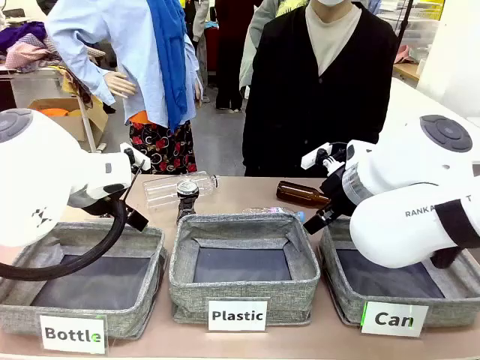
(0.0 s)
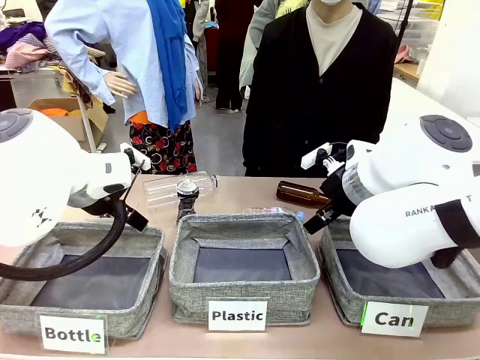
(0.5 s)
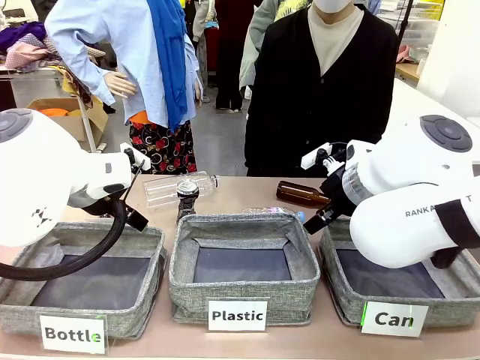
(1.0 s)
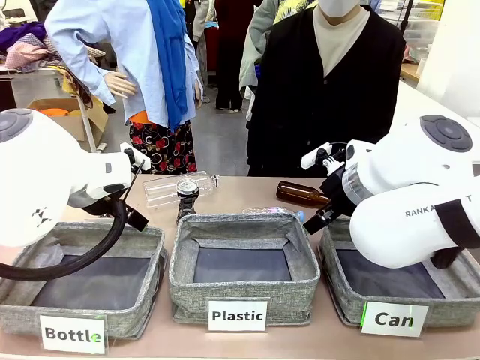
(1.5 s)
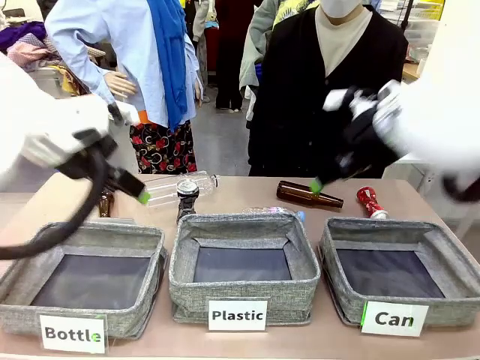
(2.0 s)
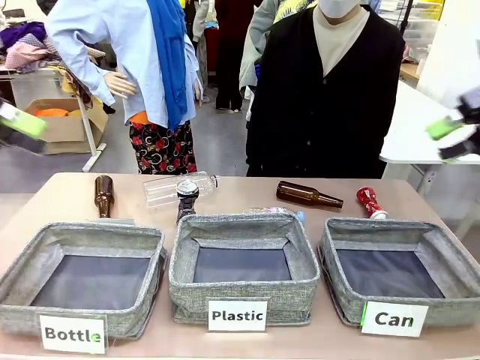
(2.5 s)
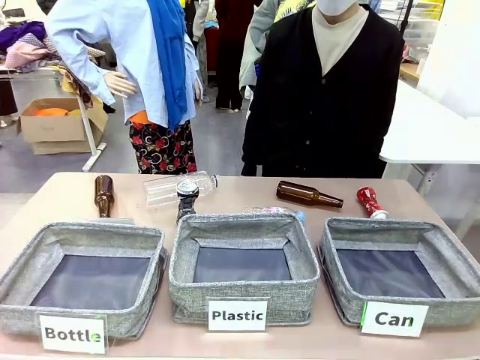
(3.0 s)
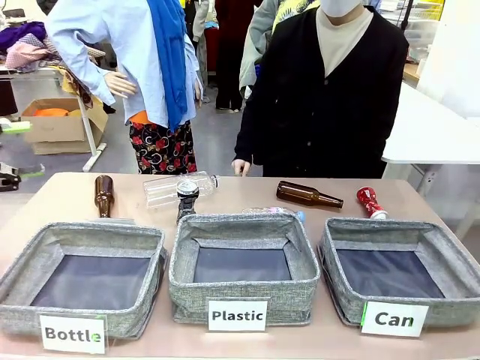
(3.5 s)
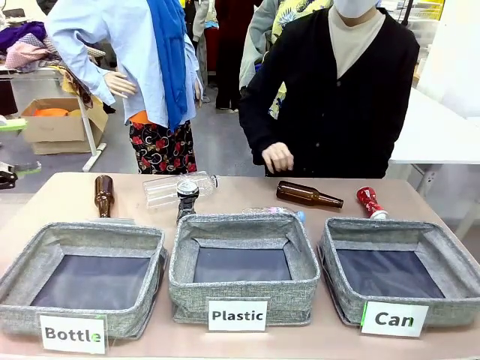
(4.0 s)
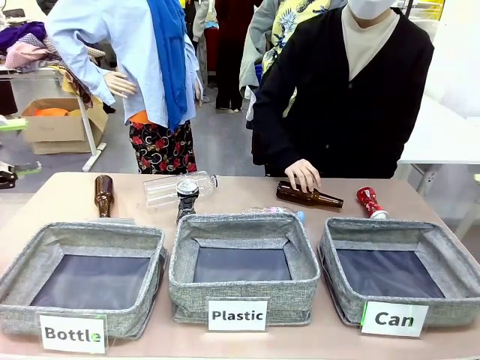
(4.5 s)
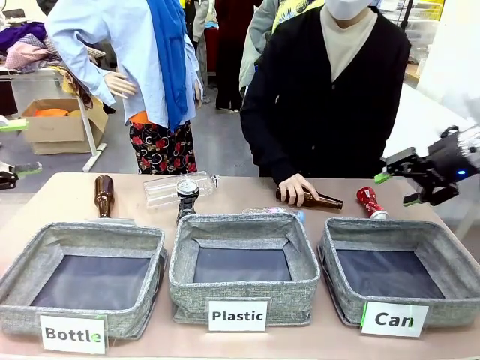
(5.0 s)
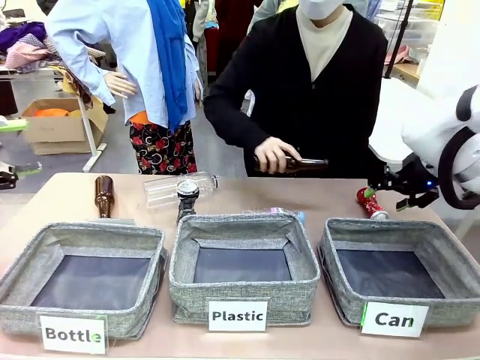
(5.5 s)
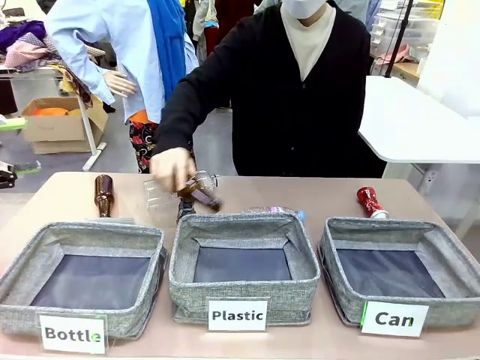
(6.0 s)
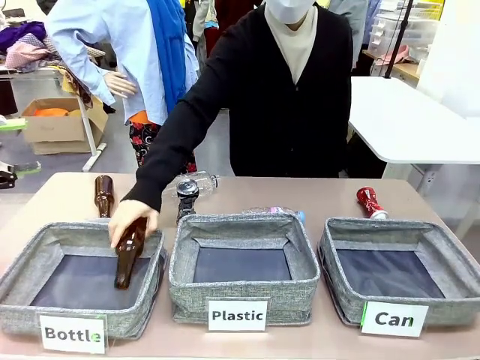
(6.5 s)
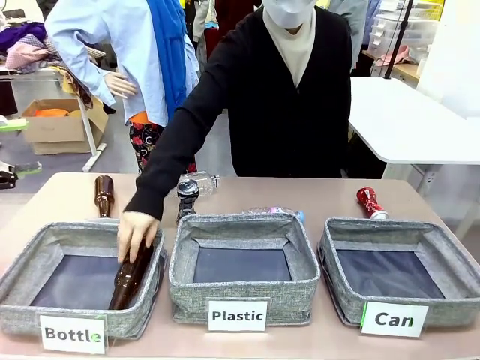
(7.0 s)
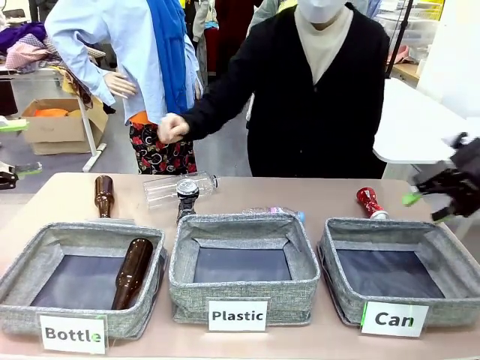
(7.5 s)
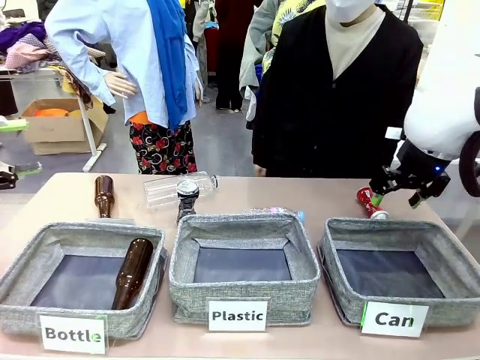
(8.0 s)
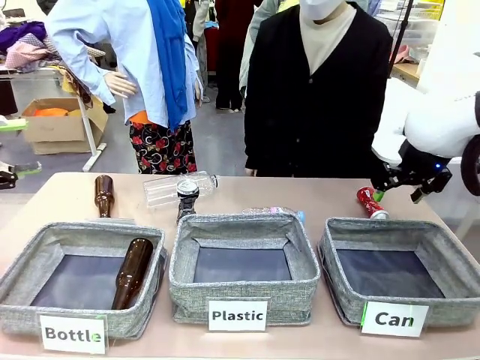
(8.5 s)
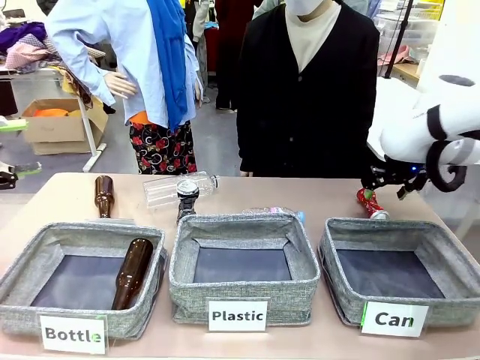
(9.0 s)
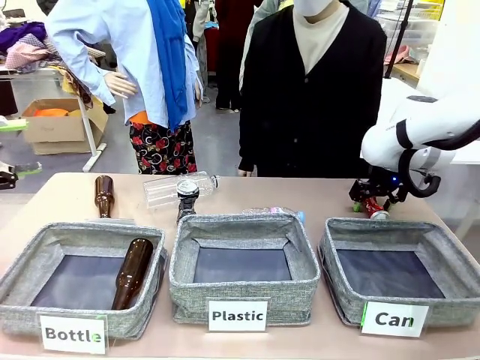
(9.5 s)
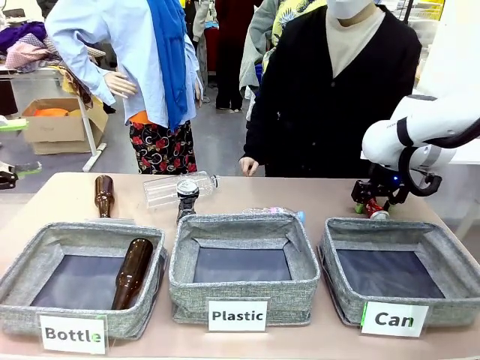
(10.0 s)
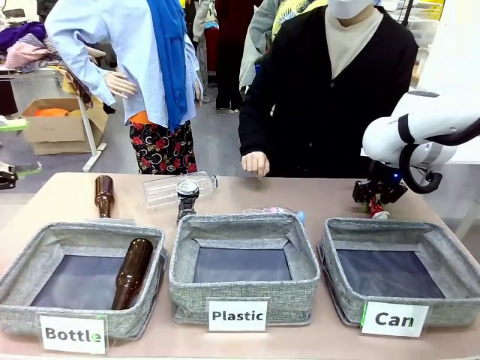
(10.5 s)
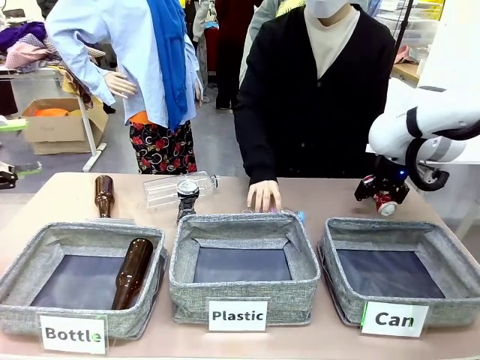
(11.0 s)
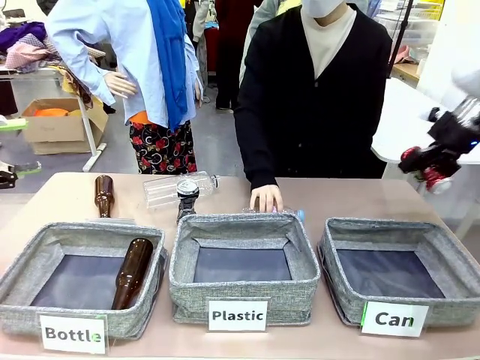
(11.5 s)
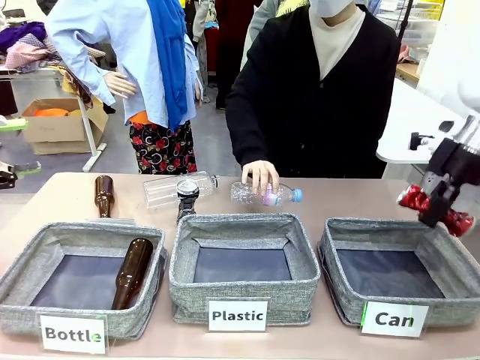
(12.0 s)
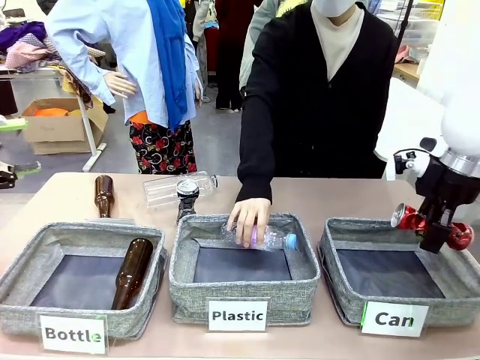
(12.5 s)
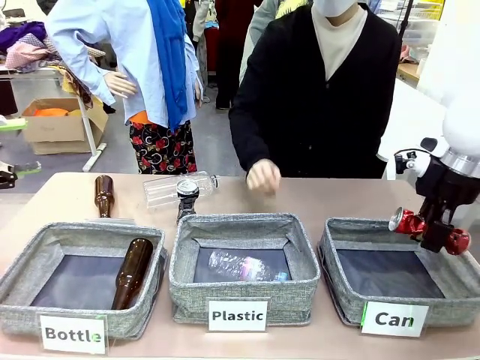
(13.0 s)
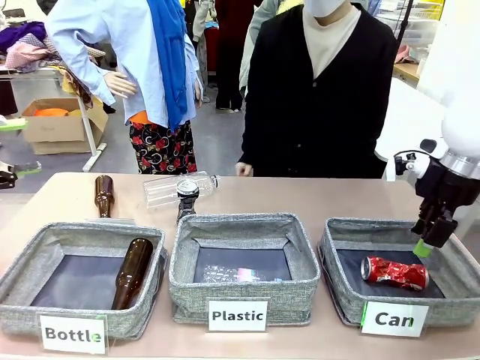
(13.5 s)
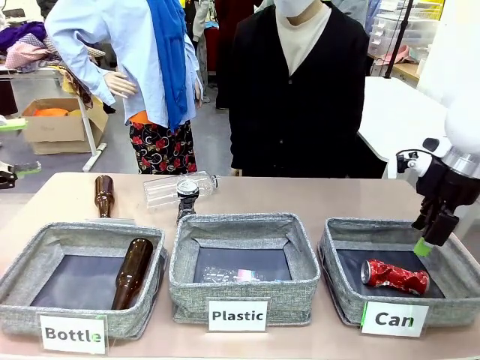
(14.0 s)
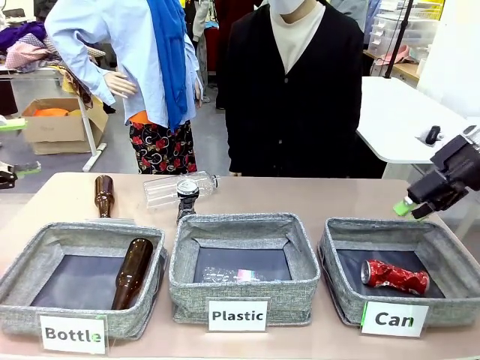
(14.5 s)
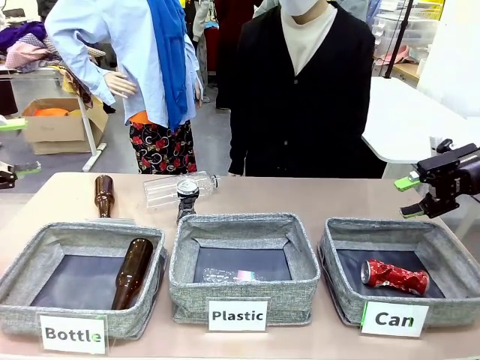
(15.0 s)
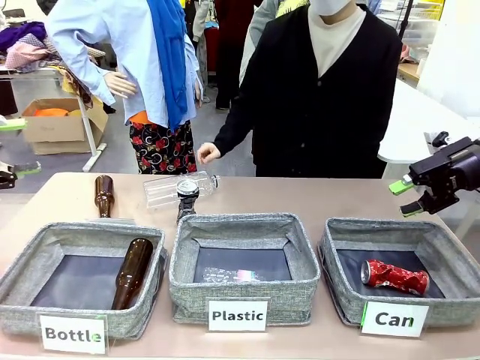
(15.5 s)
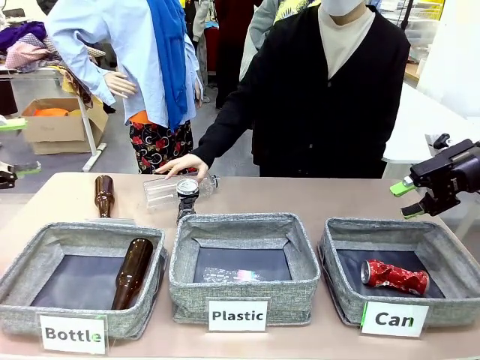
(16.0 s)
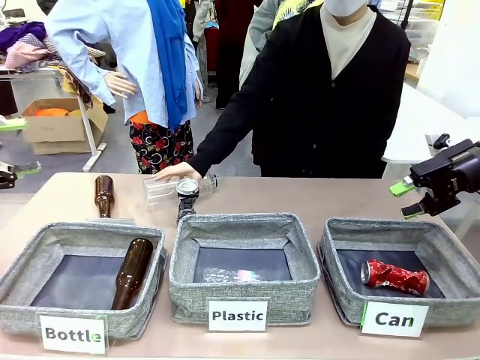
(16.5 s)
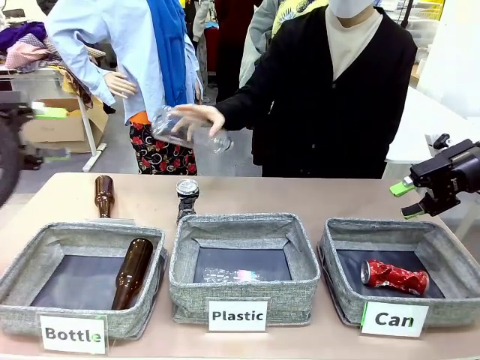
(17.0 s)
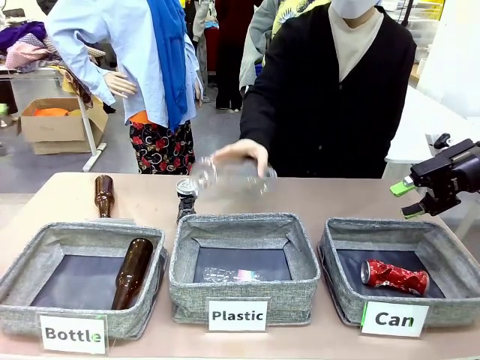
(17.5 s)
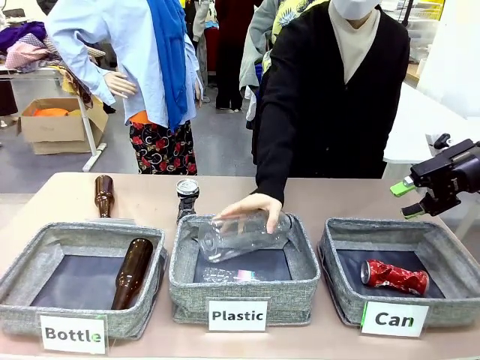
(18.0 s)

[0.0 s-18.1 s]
Task: Sort the can waste into the basket.
Robot: Pick up the can waste from the table and place it in the right Fabric basket.
